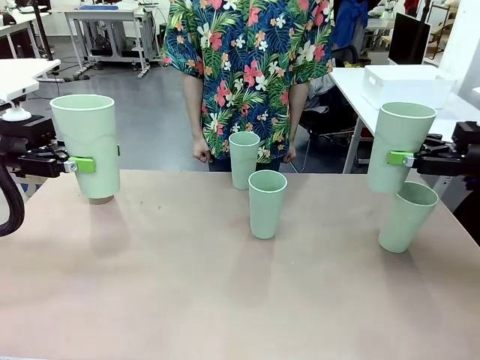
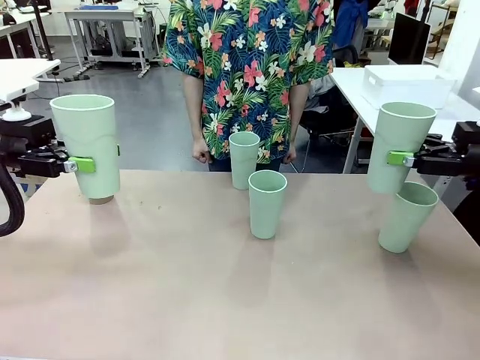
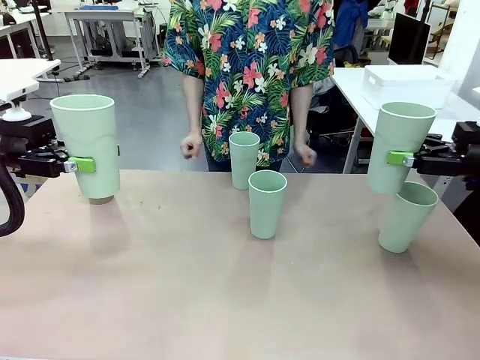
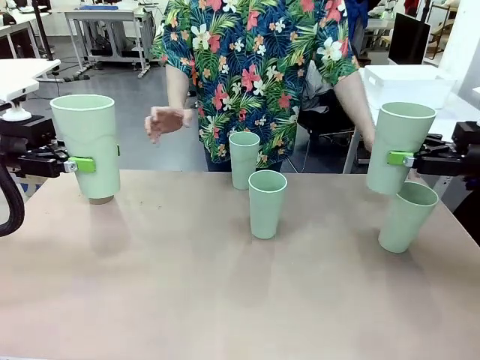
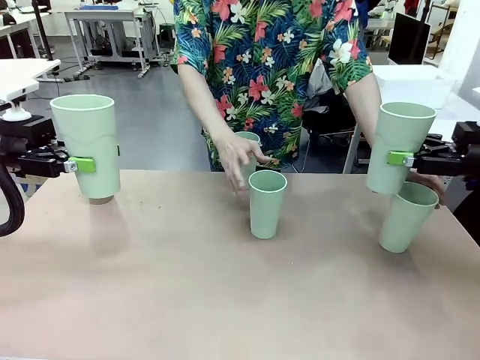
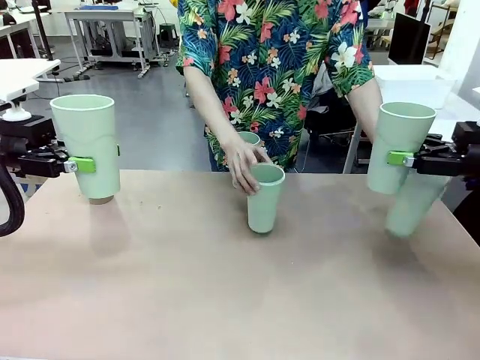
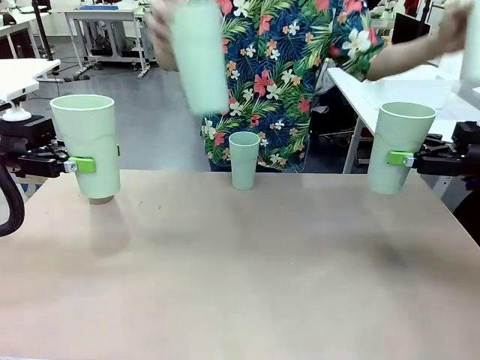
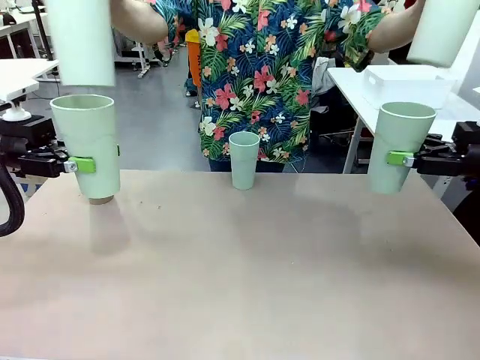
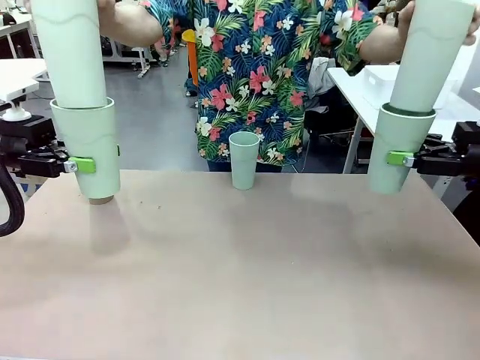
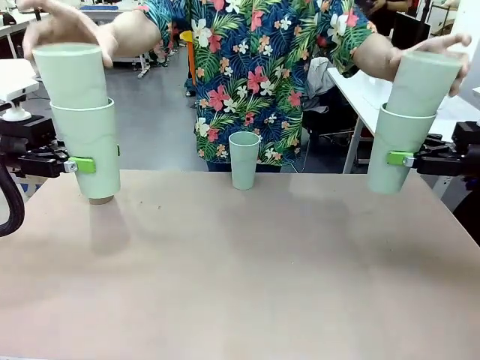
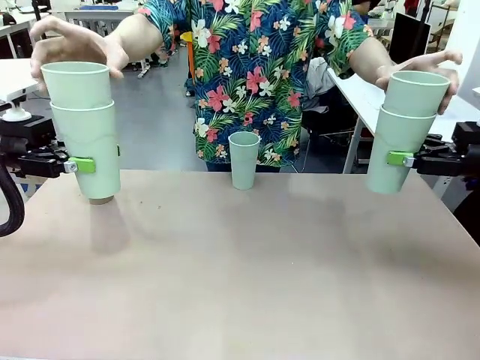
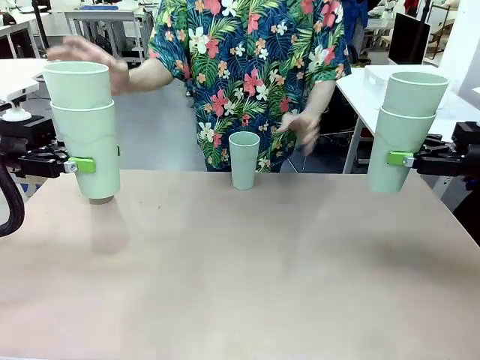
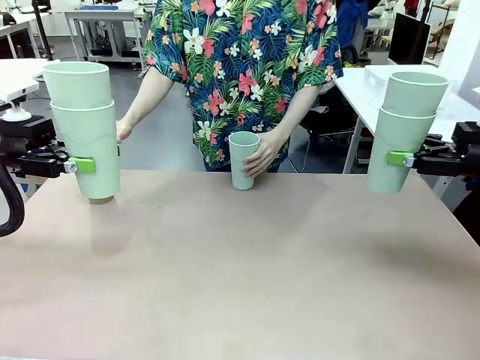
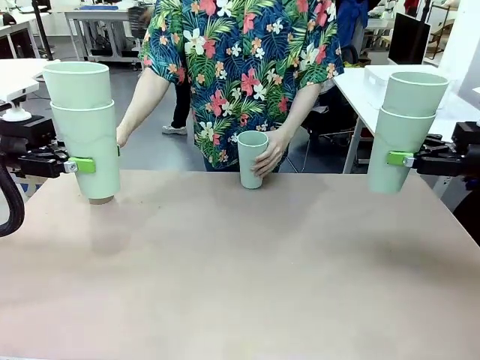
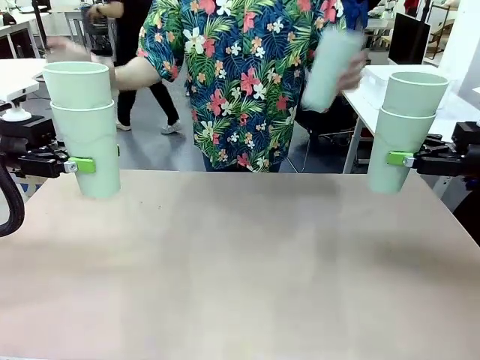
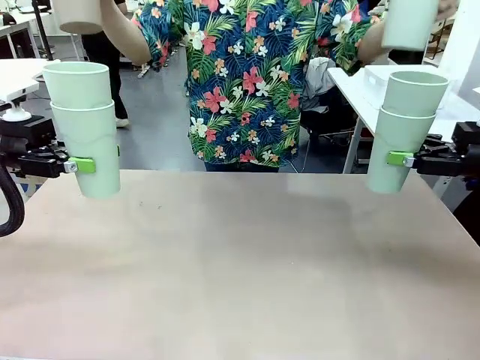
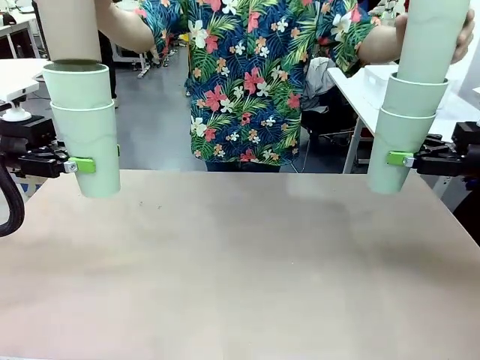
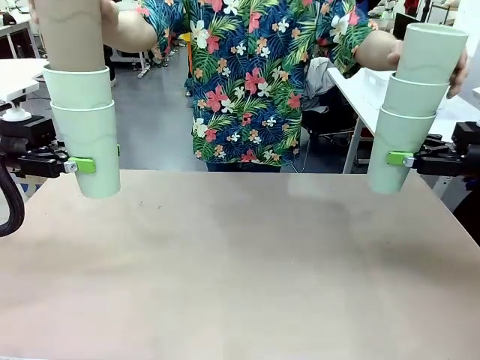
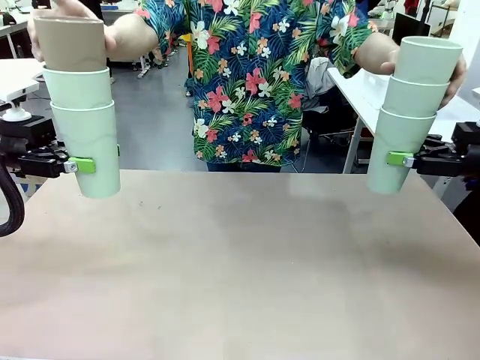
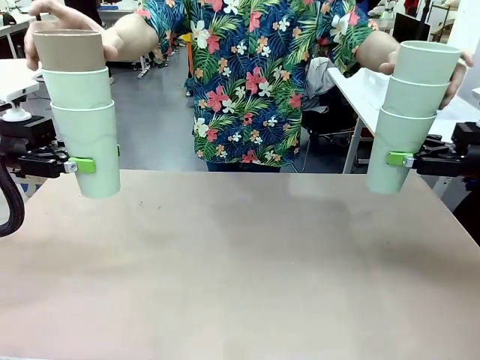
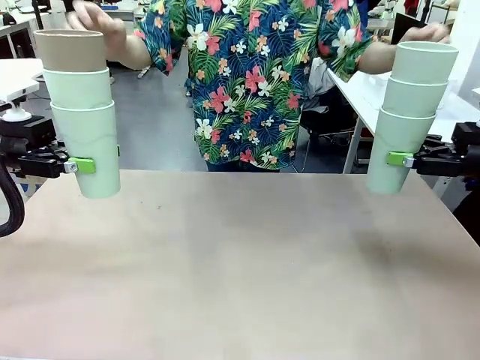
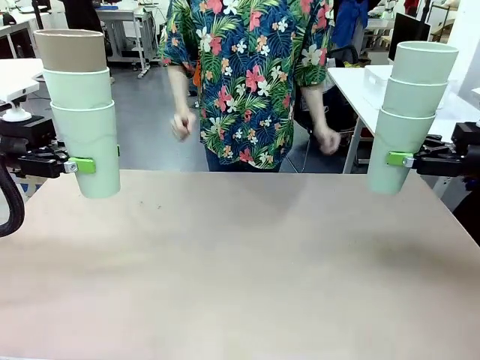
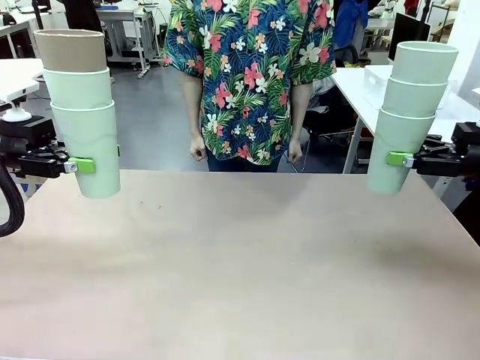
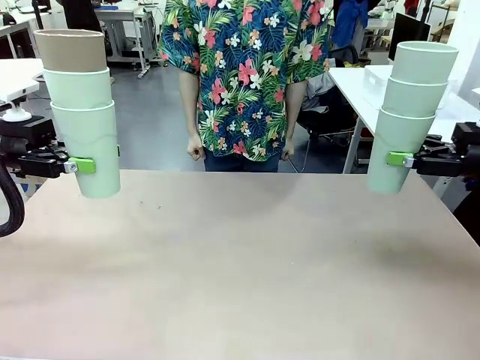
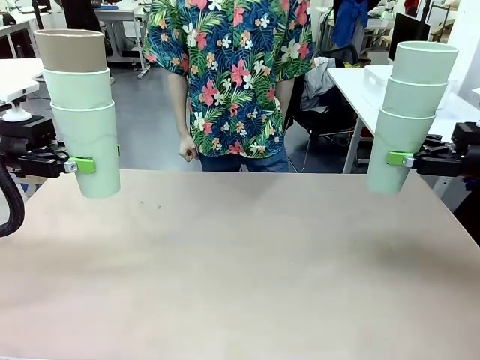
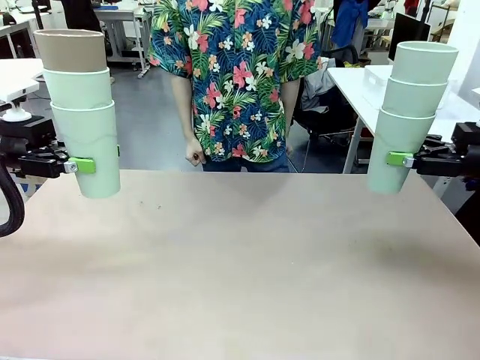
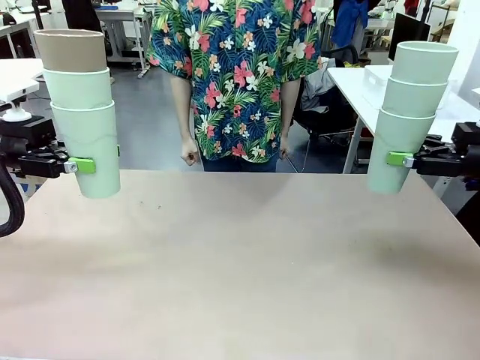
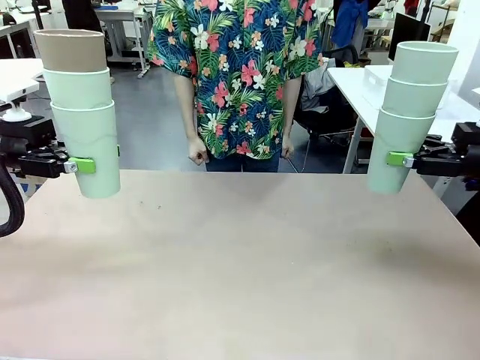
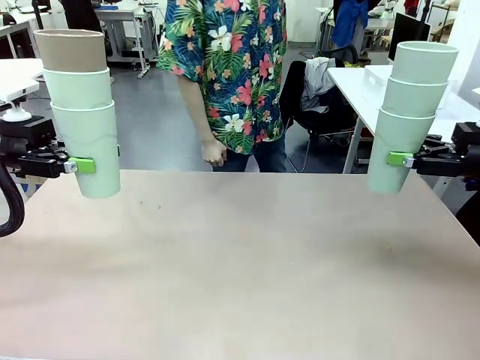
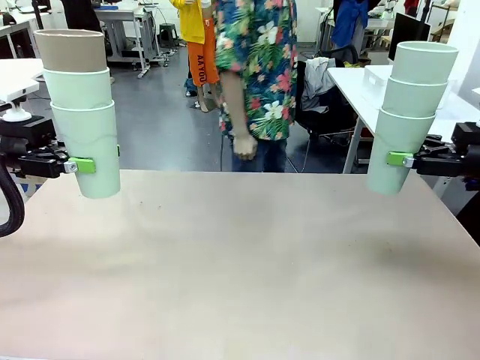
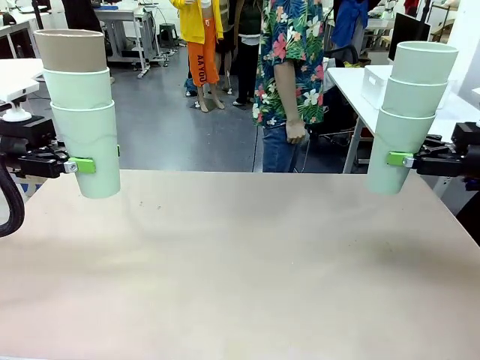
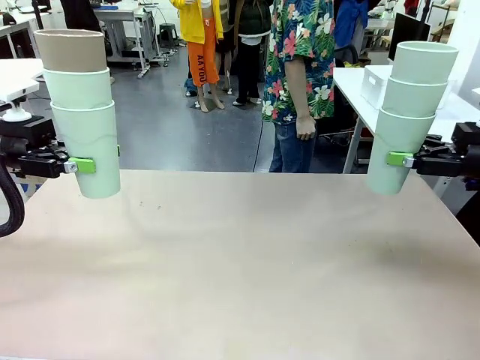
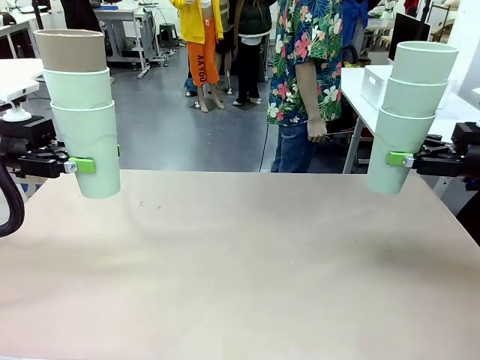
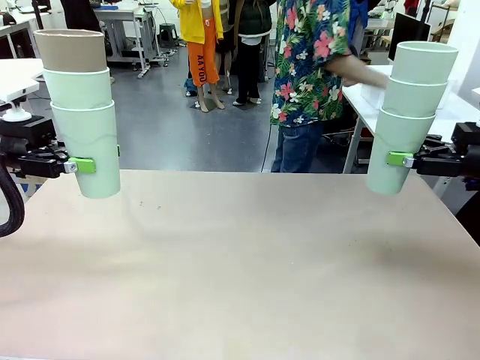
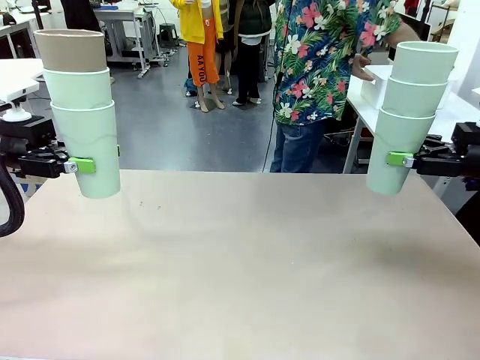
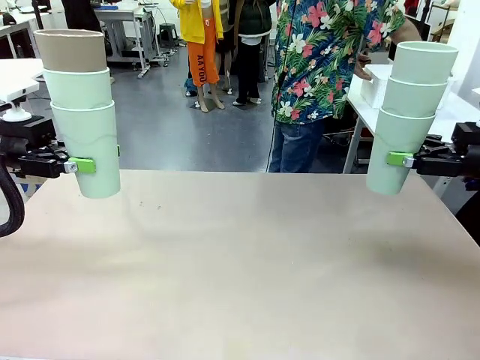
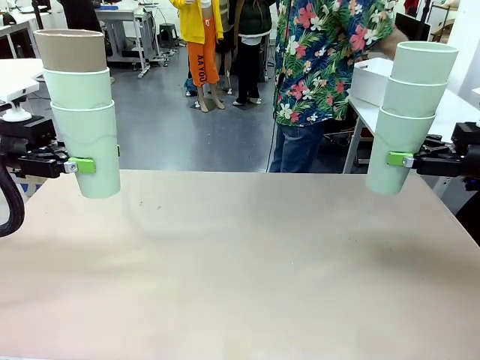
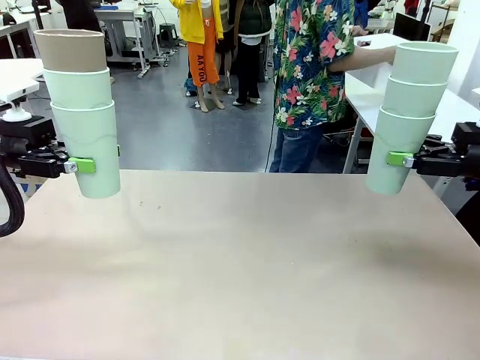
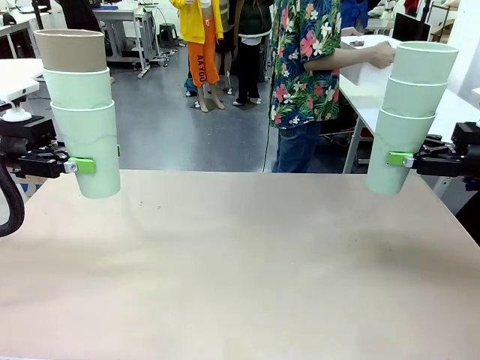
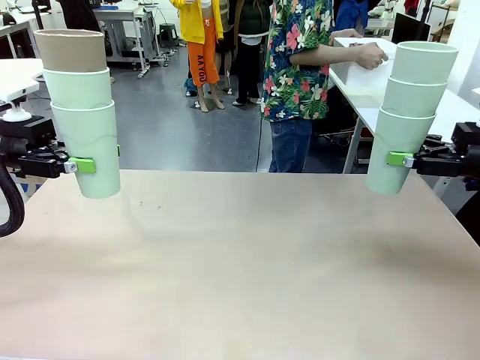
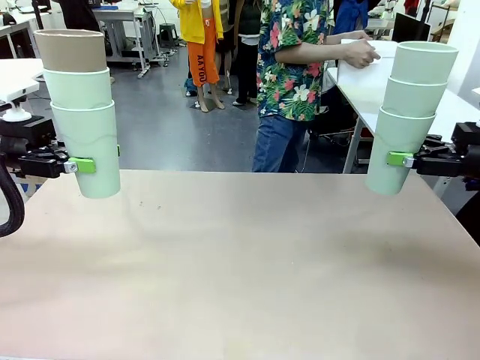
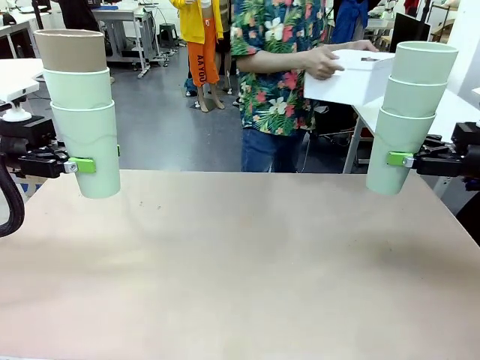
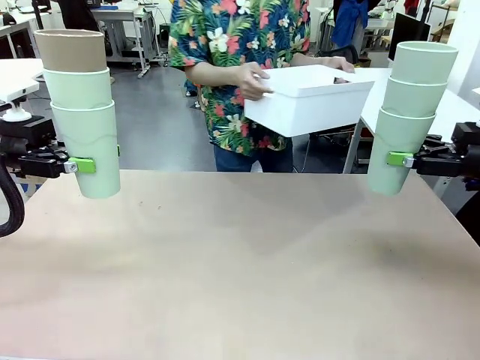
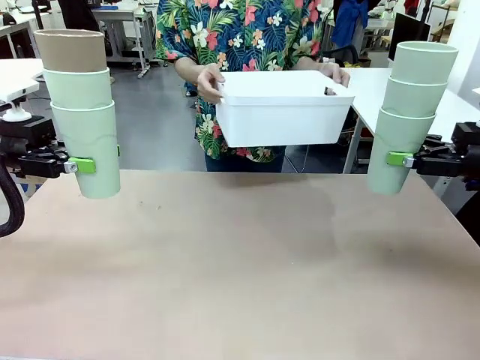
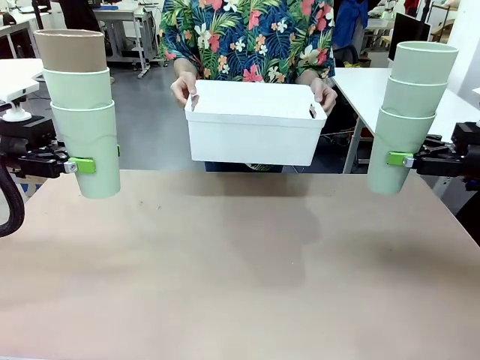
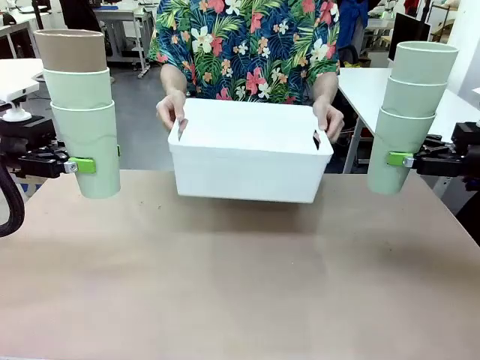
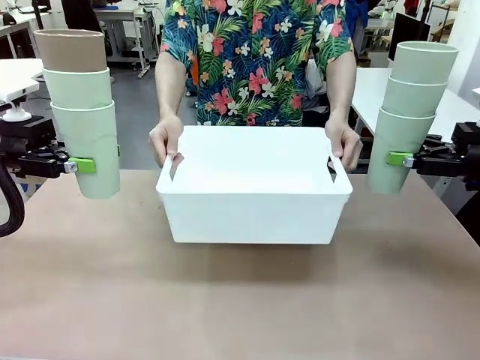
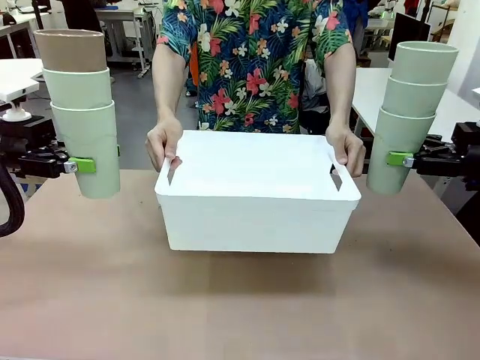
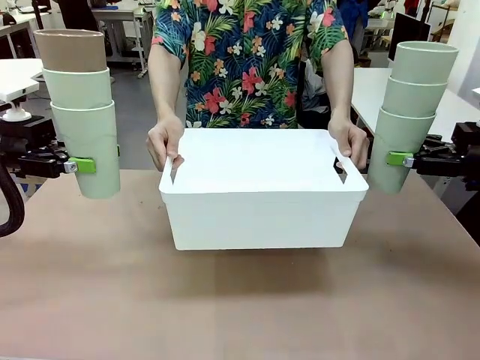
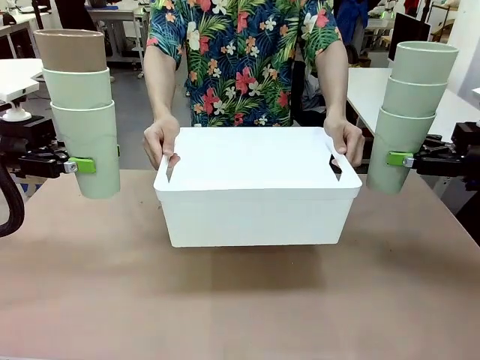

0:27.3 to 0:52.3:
Task: Stack the cups and store them in the basket.
Robot: Place the stack of Reusable plastic cups into the Pantry Basket.
Person: Pick up the basket from the Human Table, bring it to the front of the robot, and present it.
